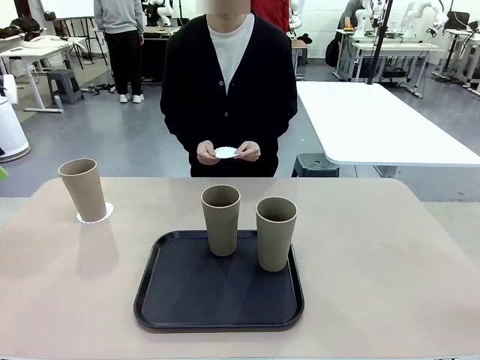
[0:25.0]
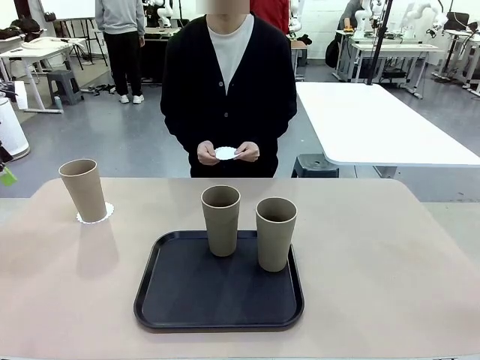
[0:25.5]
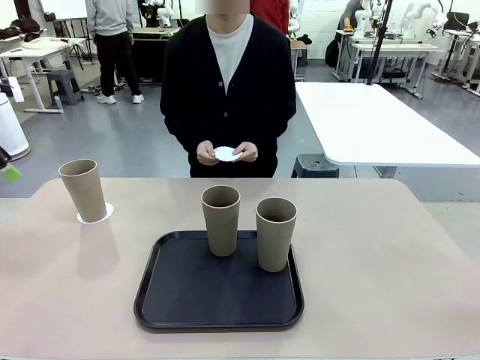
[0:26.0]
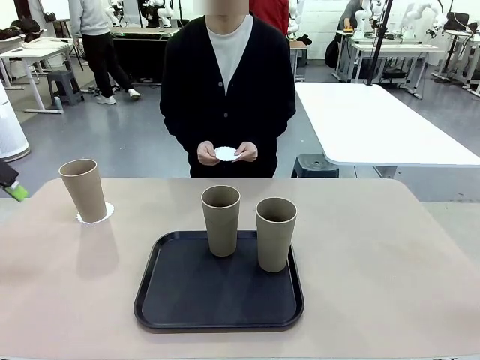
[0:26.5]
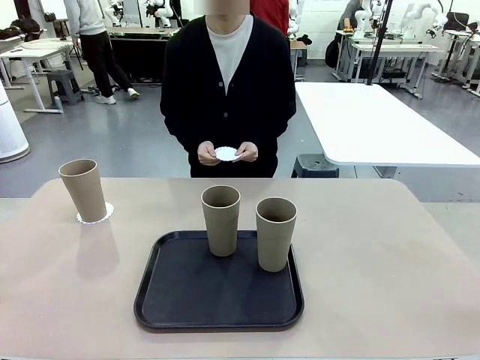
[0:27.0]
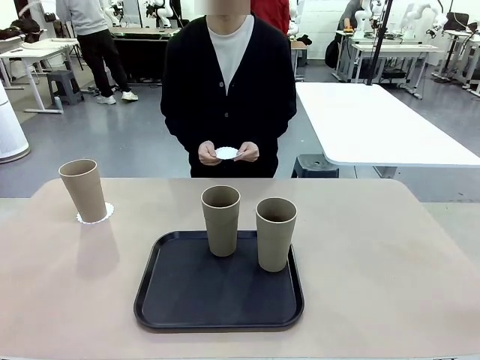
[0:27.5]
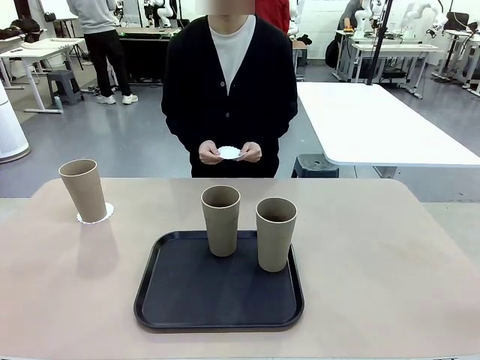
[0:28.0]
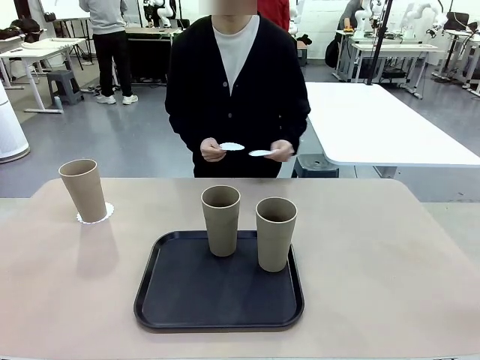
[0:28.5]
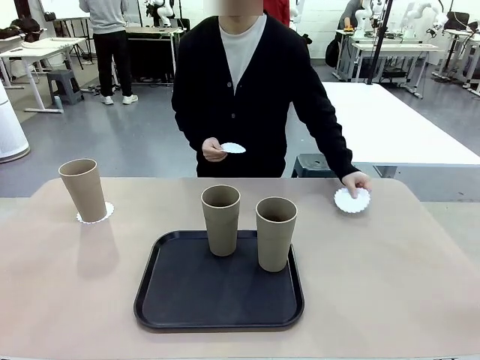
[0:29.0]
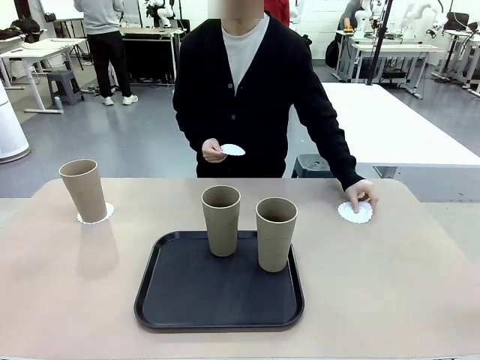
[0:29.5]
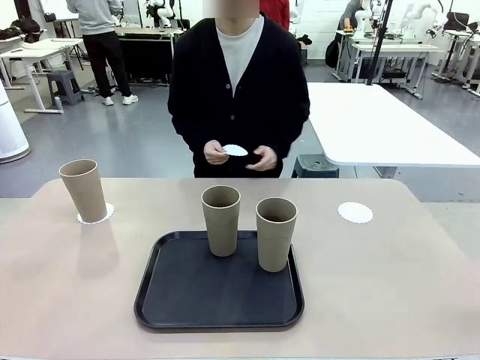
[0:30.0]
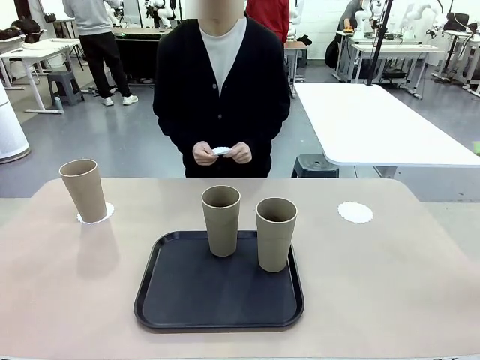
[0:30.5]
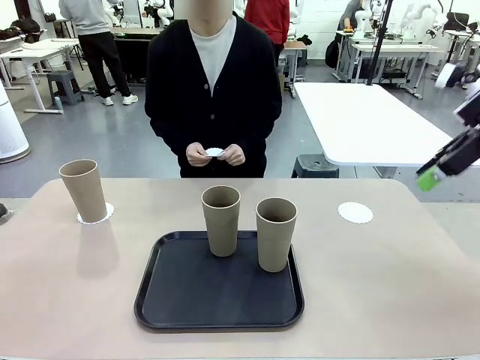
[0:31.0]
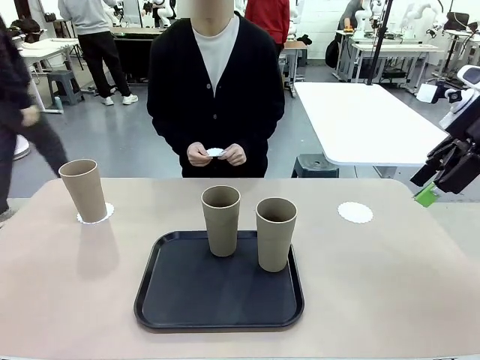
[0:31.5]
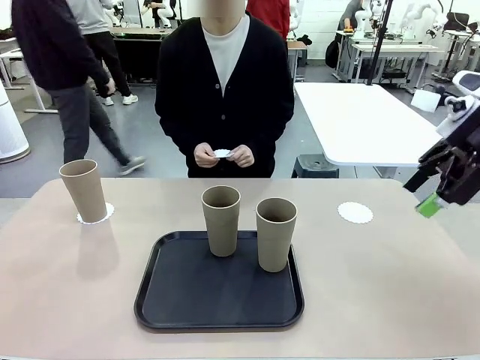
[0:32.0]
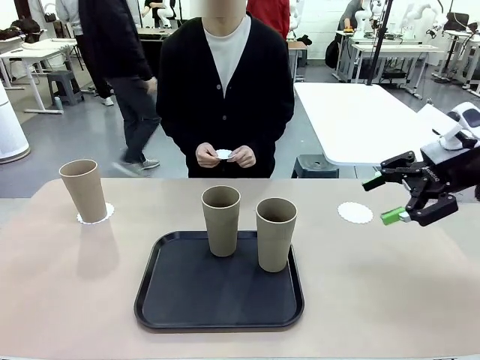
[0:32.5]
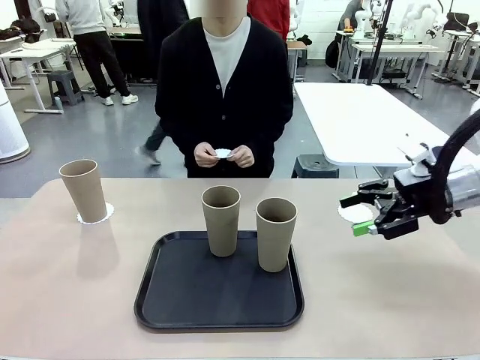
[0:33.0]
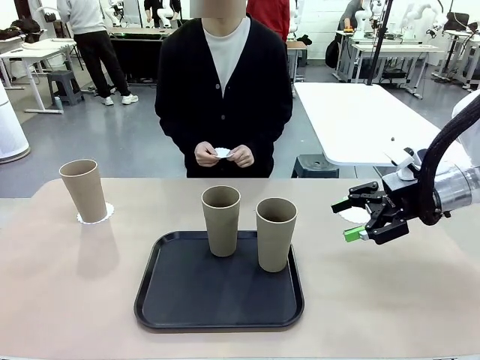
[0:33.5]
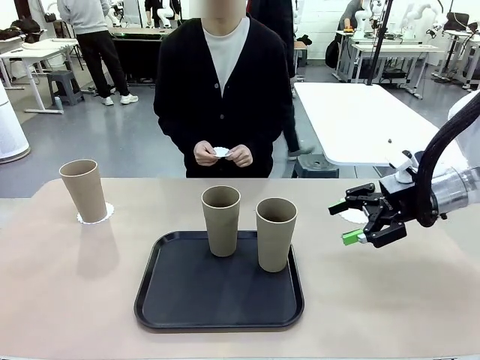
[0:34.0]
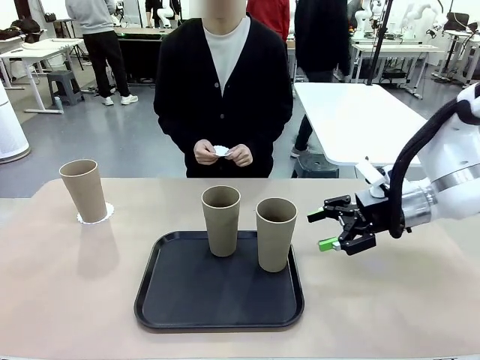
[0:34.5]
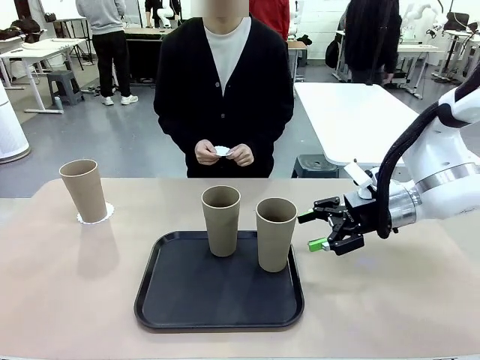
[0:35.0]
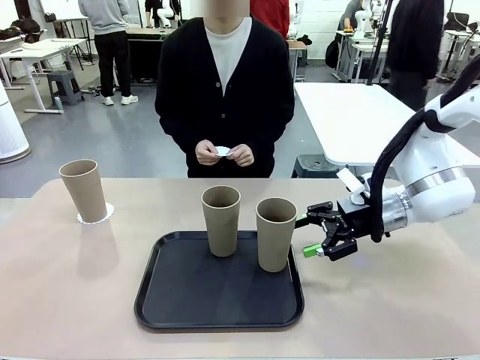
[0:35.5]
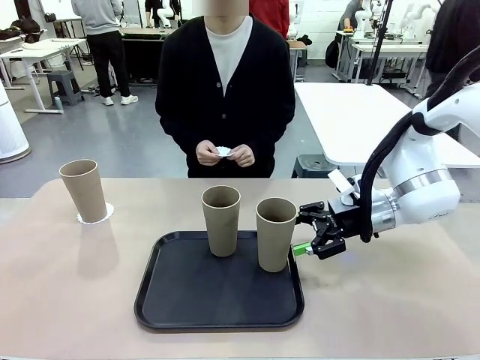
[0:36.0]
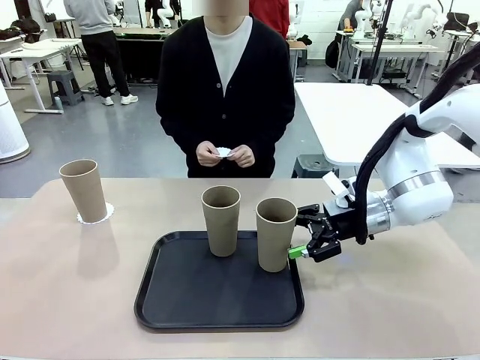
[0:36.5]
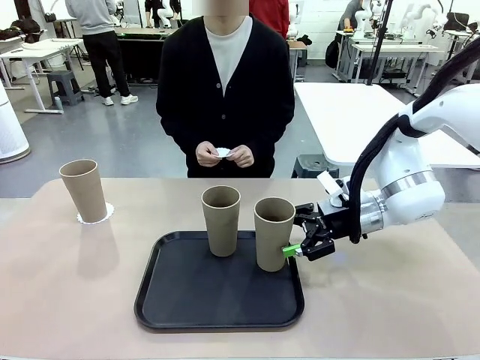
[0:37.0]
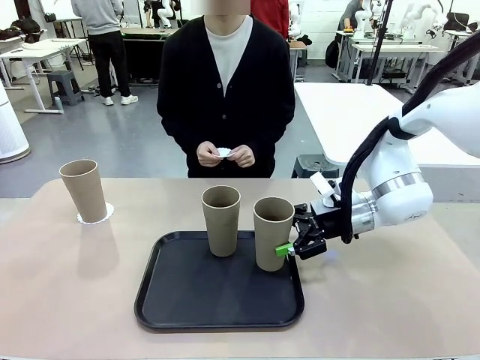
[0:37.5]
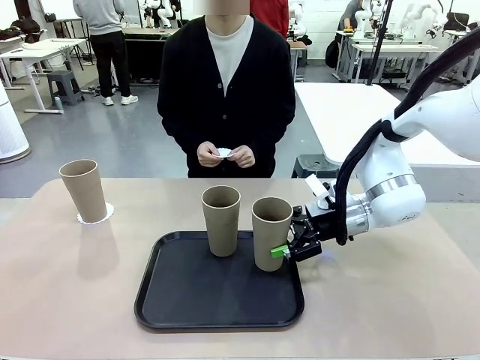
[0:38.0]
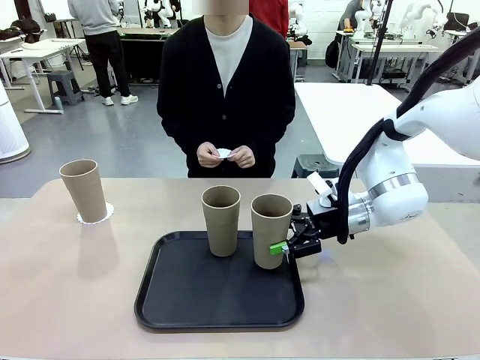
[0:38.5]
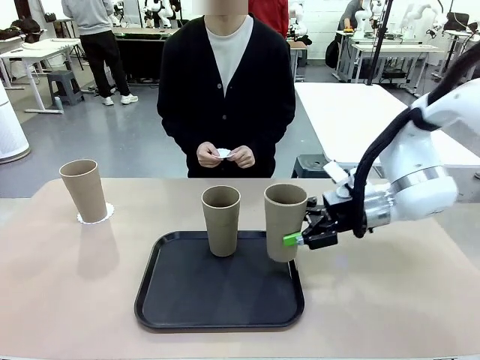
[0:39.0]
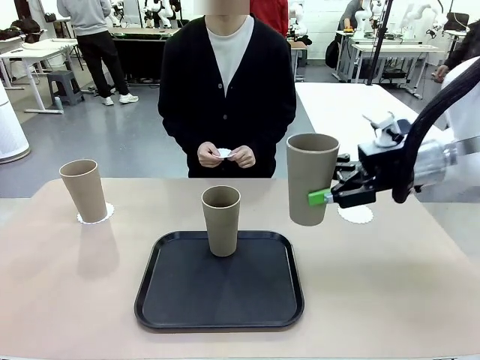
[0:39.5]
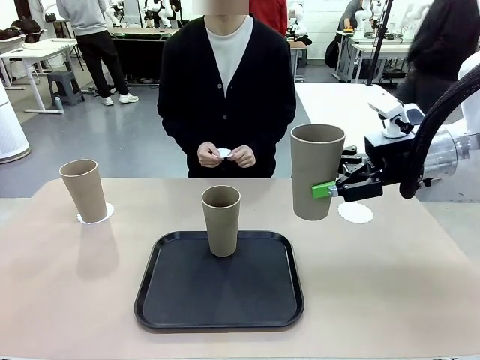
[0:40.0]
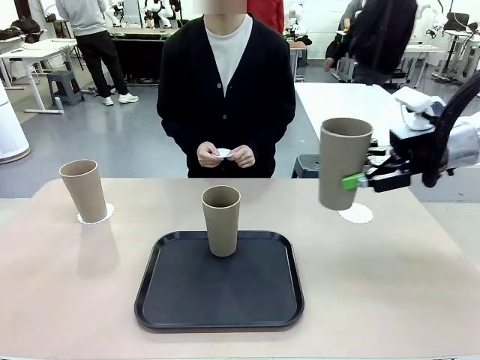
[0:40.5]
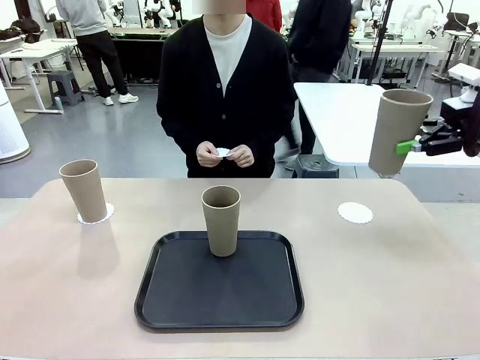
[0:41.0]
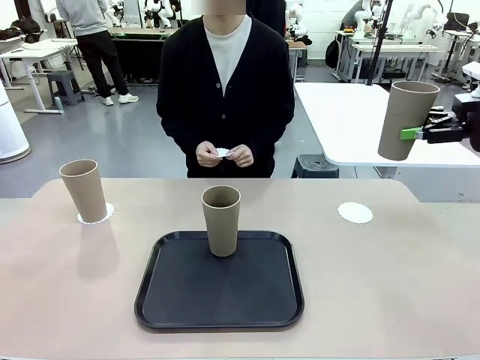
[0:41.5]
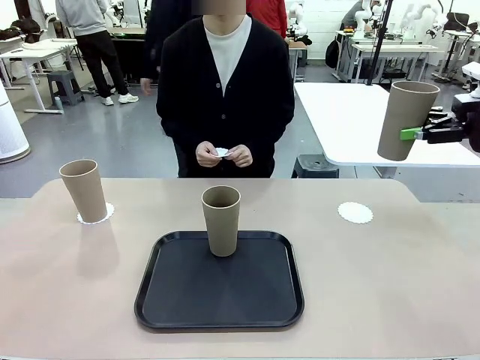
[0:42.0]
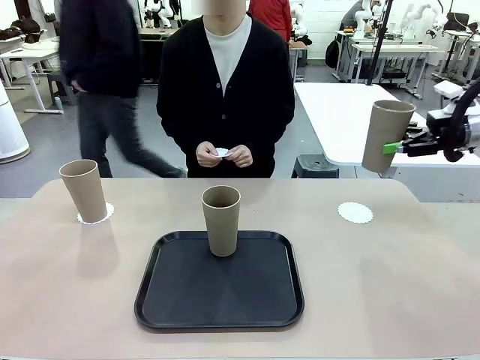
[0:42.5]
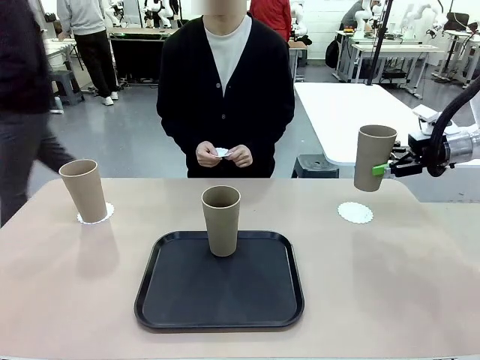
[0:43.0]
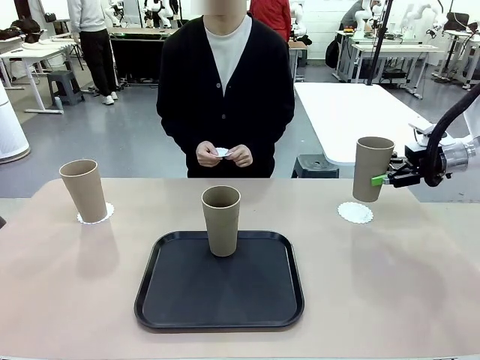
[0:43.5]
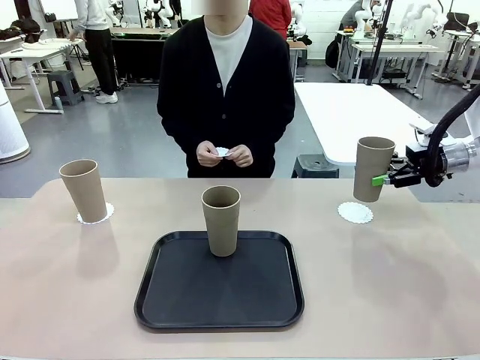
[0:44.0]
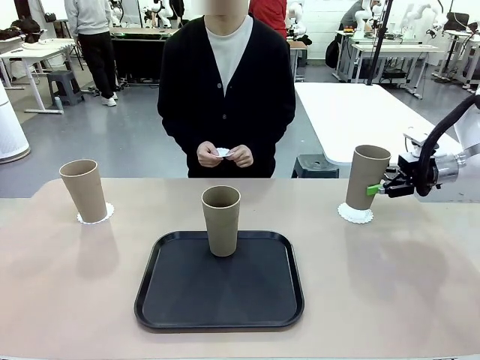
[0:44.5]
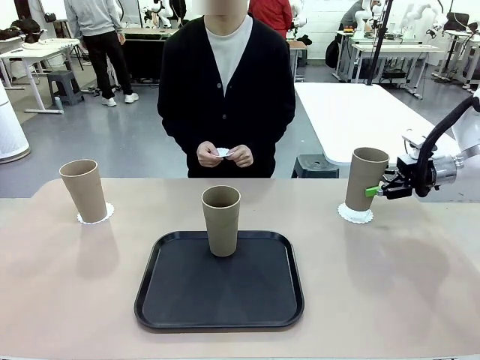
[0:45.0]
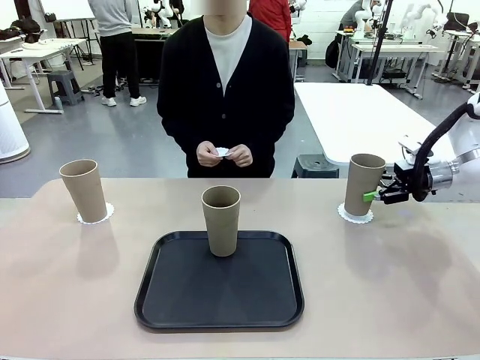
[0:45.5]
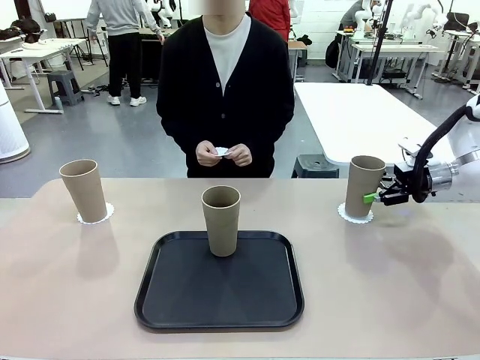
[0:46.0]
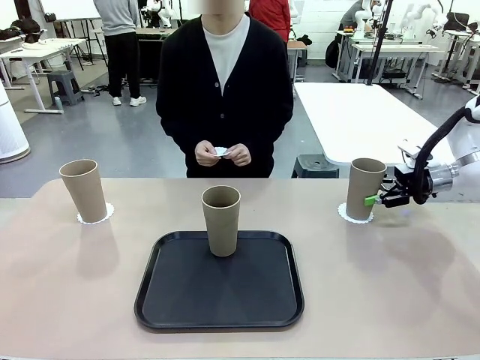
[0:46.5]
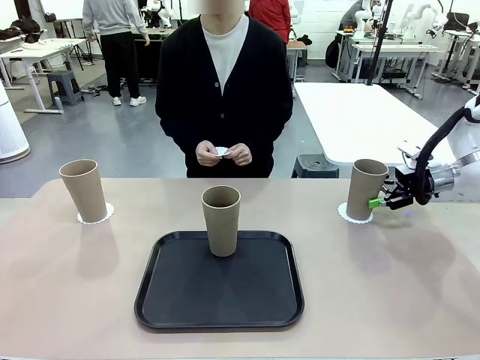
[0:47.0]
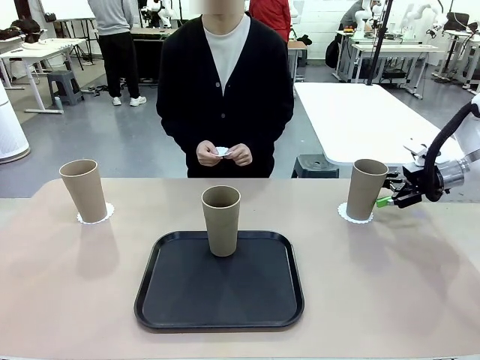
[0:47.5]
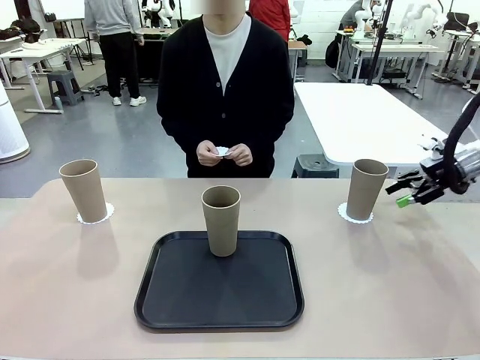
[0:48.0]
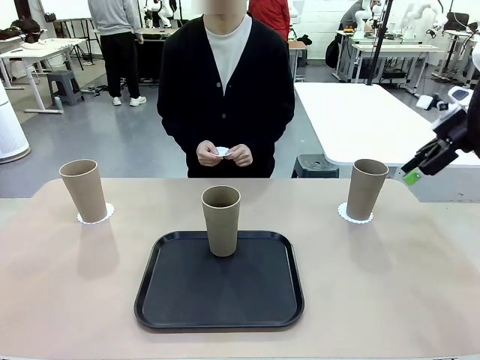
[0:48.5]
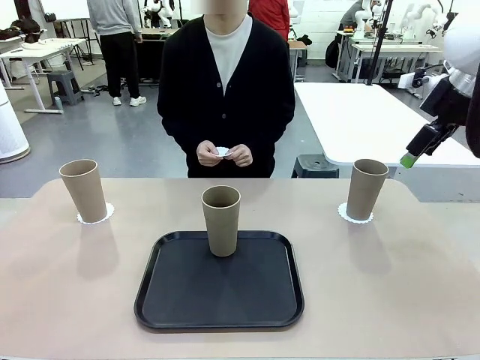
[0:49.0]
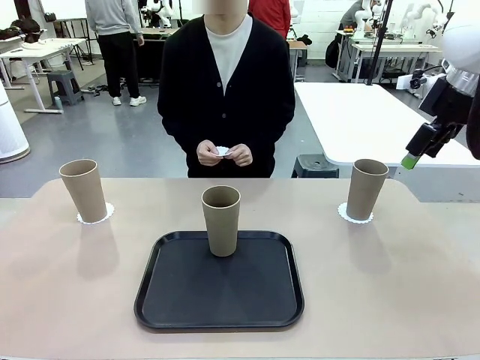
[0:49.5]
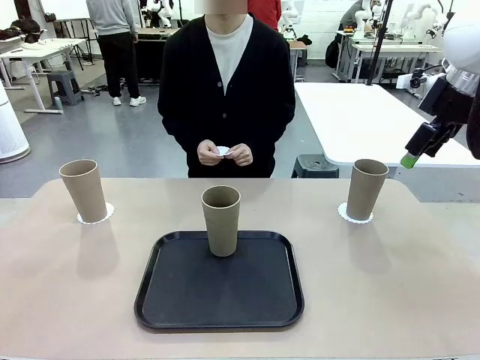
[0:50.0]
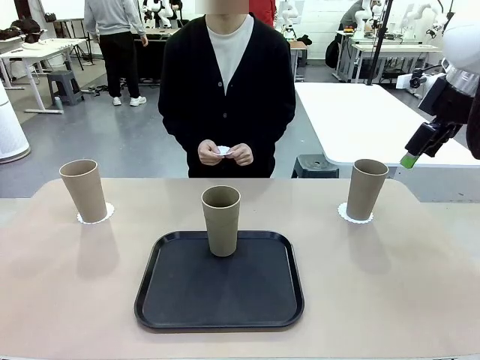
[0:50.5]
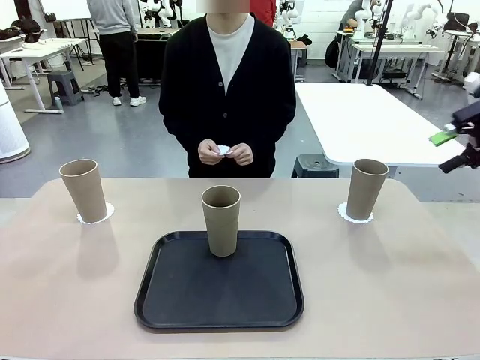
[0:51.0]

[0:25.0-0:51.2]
Task: Place coasters on the table and set cups on them.
Robot: Take one Reusable plastic cup from the Flat Tray and place it on a coaster set by the human.
